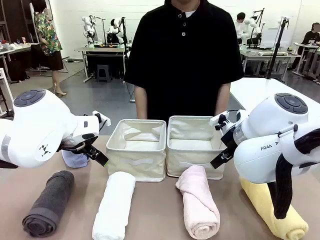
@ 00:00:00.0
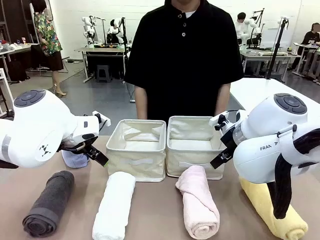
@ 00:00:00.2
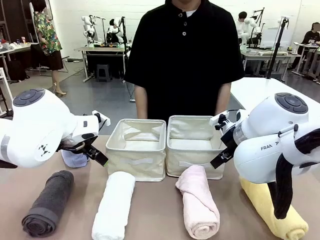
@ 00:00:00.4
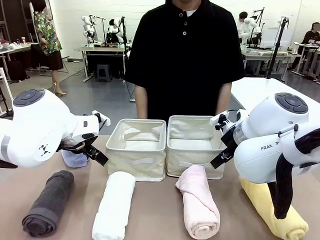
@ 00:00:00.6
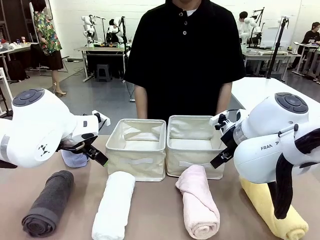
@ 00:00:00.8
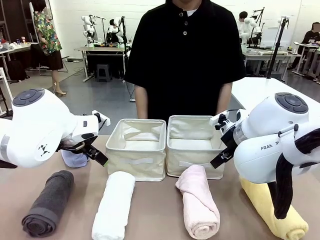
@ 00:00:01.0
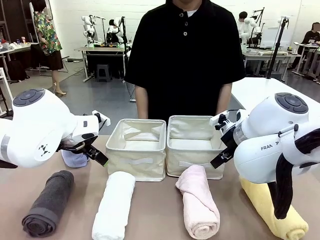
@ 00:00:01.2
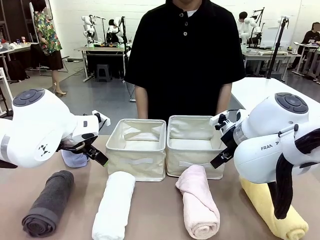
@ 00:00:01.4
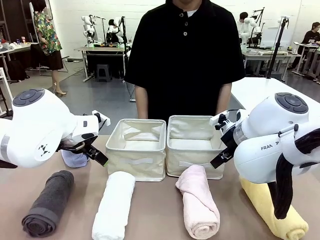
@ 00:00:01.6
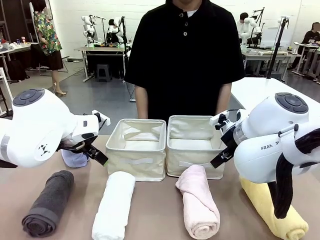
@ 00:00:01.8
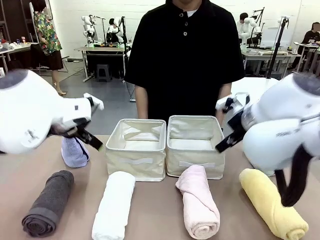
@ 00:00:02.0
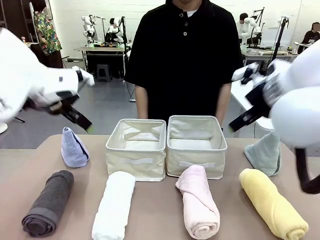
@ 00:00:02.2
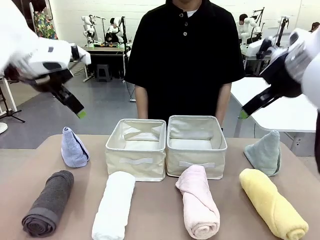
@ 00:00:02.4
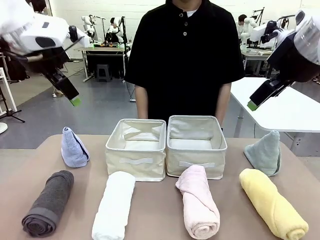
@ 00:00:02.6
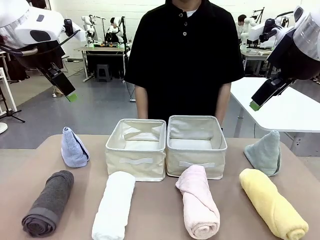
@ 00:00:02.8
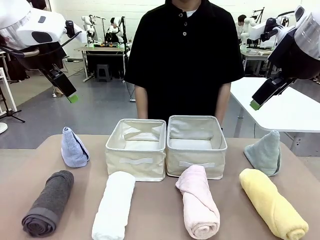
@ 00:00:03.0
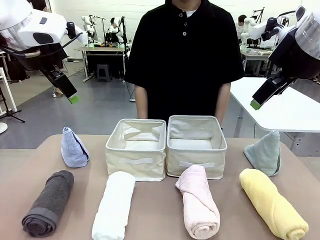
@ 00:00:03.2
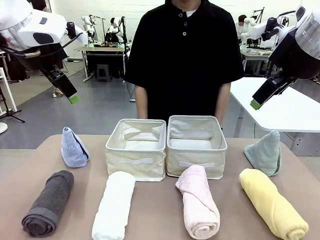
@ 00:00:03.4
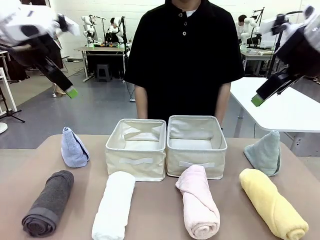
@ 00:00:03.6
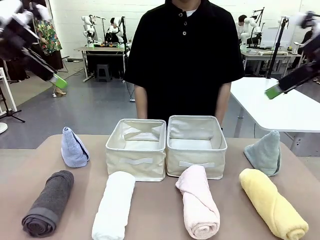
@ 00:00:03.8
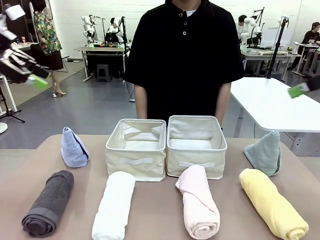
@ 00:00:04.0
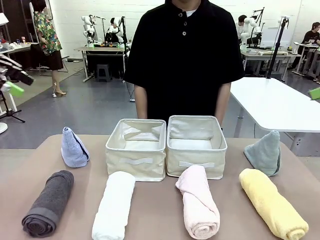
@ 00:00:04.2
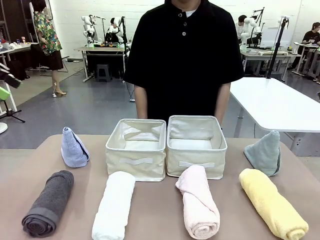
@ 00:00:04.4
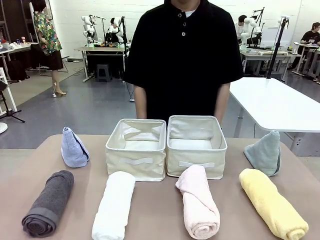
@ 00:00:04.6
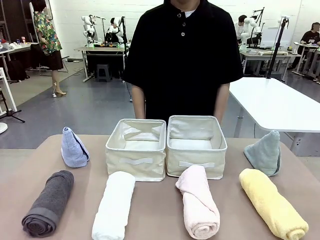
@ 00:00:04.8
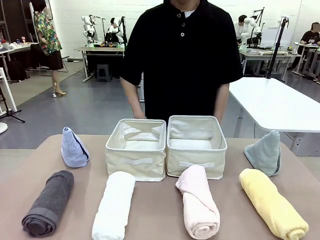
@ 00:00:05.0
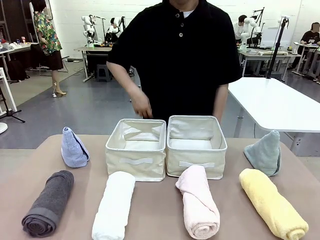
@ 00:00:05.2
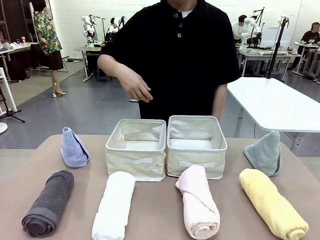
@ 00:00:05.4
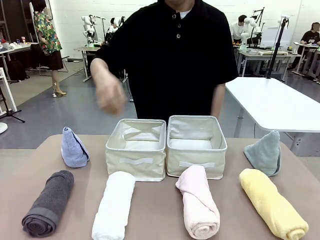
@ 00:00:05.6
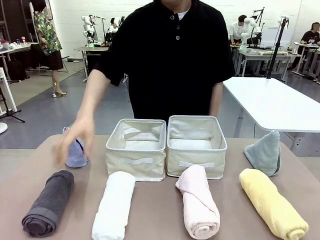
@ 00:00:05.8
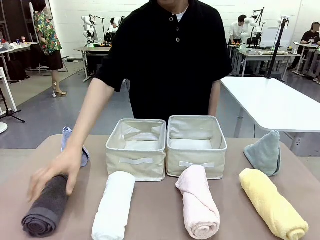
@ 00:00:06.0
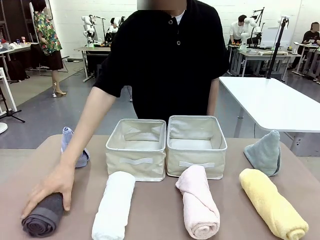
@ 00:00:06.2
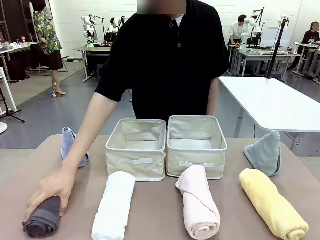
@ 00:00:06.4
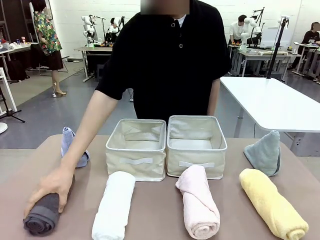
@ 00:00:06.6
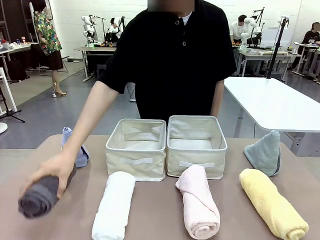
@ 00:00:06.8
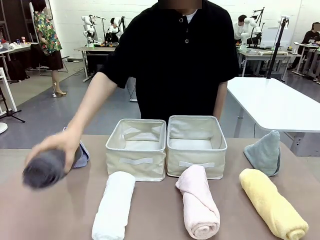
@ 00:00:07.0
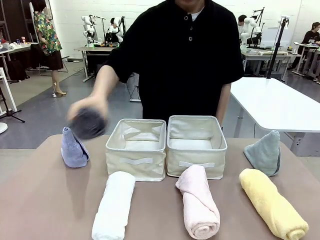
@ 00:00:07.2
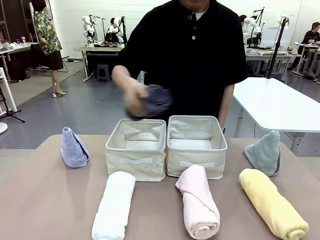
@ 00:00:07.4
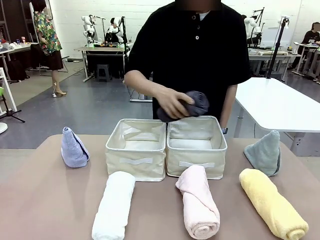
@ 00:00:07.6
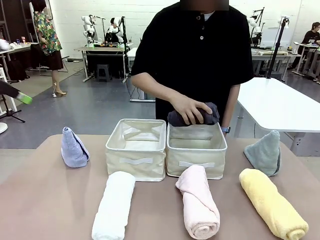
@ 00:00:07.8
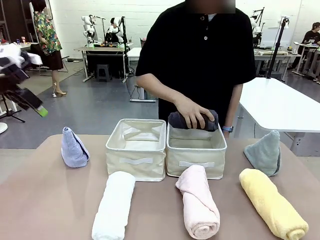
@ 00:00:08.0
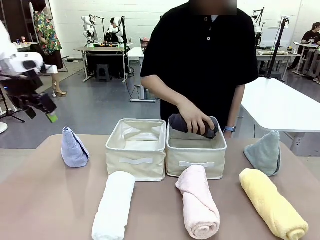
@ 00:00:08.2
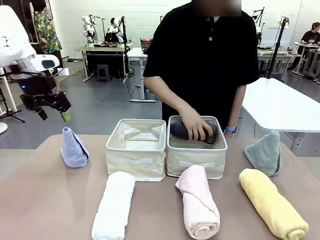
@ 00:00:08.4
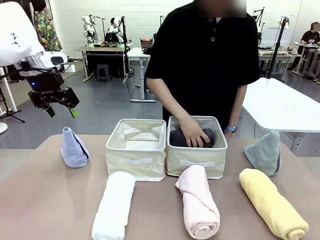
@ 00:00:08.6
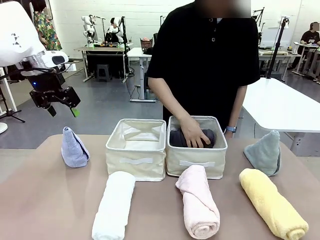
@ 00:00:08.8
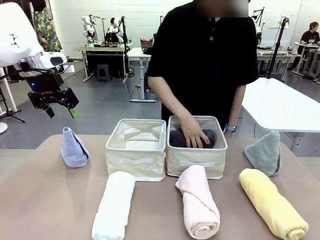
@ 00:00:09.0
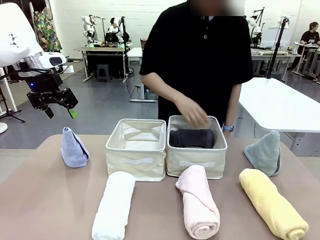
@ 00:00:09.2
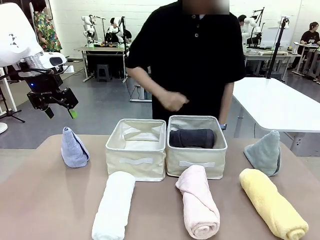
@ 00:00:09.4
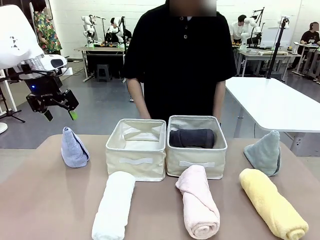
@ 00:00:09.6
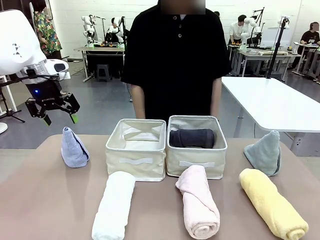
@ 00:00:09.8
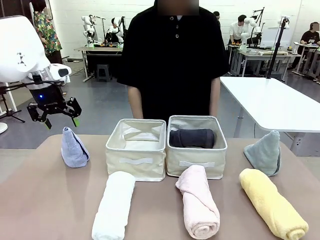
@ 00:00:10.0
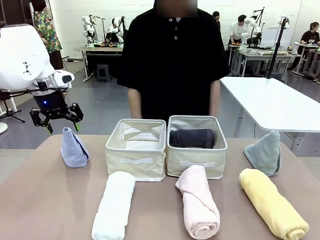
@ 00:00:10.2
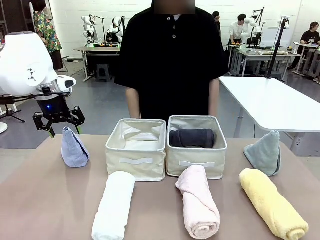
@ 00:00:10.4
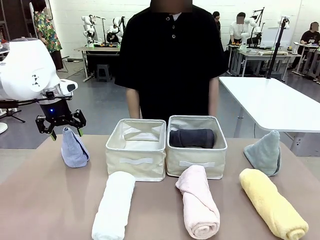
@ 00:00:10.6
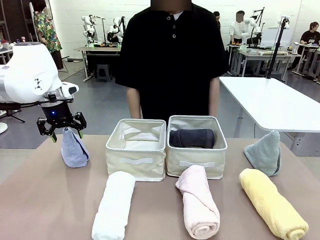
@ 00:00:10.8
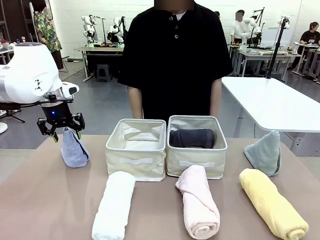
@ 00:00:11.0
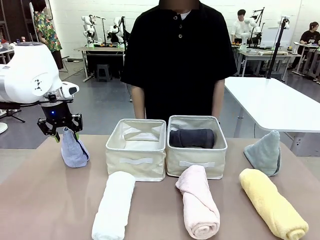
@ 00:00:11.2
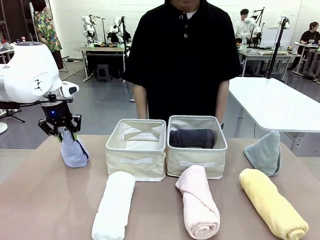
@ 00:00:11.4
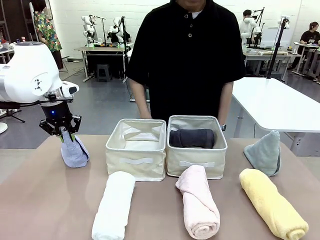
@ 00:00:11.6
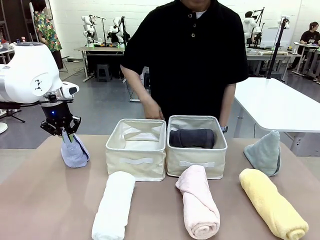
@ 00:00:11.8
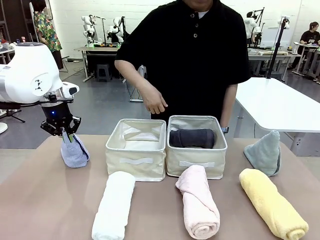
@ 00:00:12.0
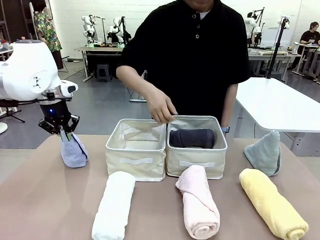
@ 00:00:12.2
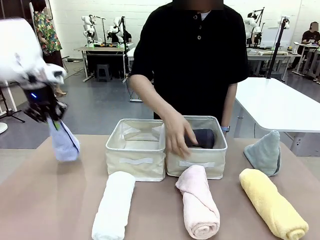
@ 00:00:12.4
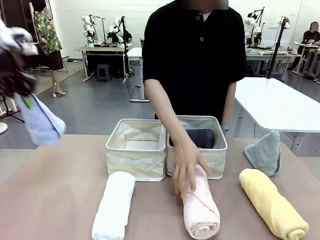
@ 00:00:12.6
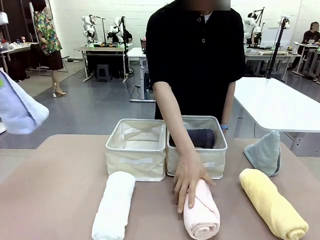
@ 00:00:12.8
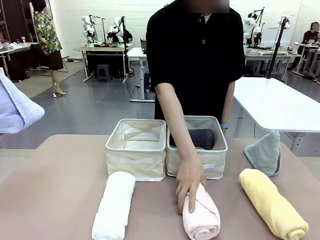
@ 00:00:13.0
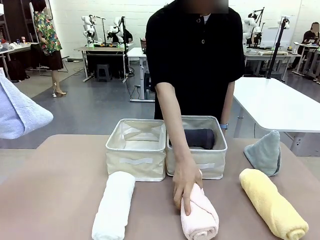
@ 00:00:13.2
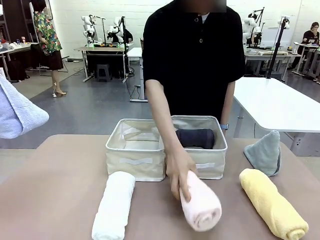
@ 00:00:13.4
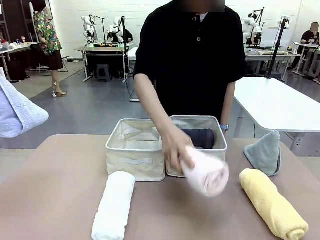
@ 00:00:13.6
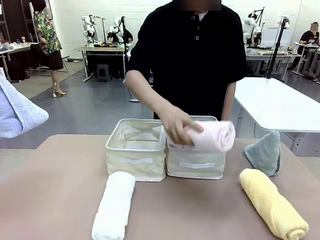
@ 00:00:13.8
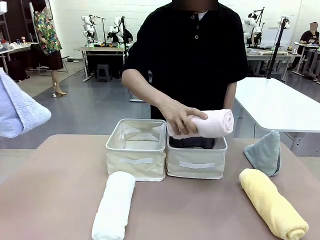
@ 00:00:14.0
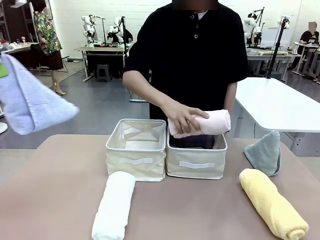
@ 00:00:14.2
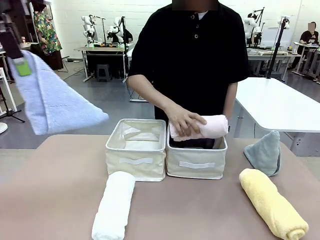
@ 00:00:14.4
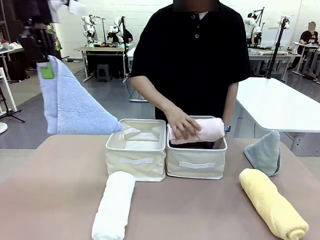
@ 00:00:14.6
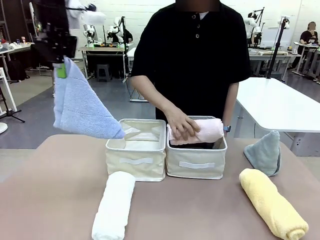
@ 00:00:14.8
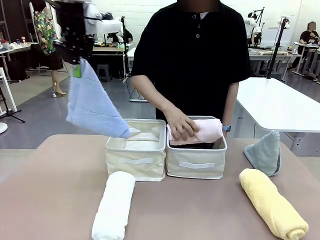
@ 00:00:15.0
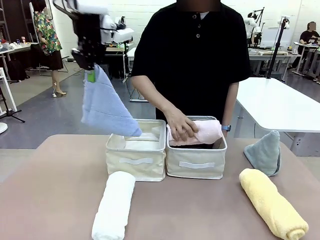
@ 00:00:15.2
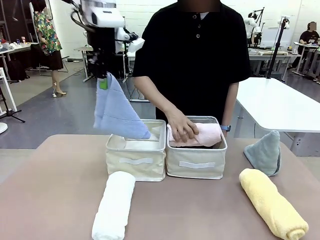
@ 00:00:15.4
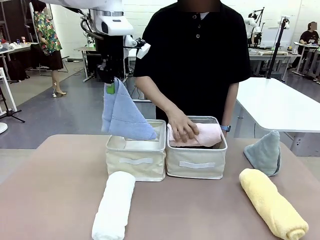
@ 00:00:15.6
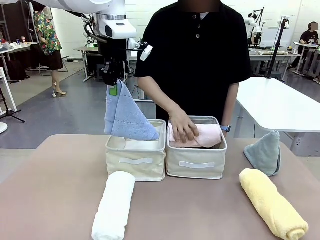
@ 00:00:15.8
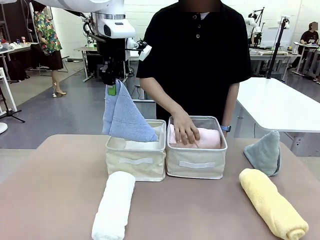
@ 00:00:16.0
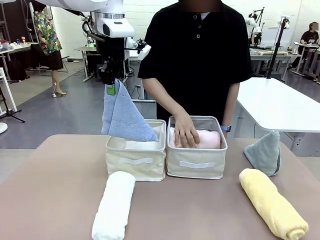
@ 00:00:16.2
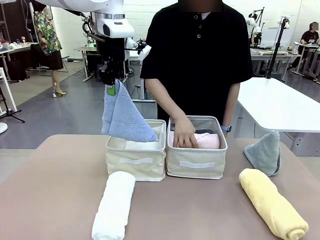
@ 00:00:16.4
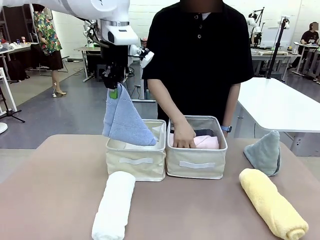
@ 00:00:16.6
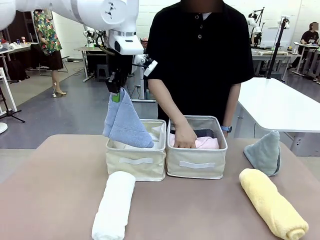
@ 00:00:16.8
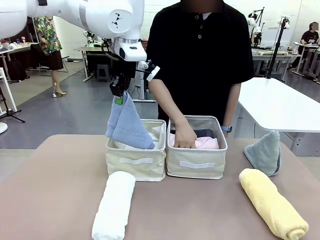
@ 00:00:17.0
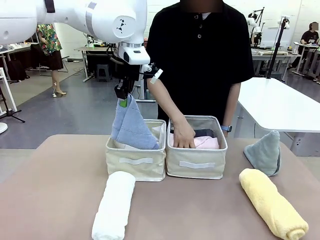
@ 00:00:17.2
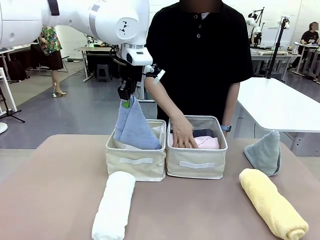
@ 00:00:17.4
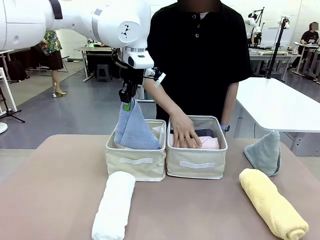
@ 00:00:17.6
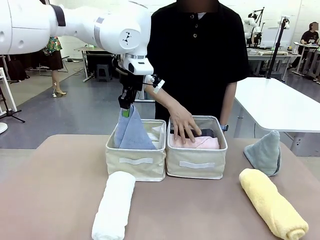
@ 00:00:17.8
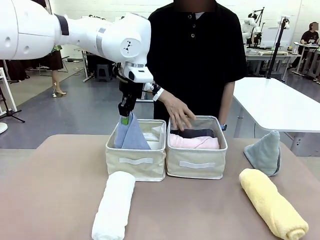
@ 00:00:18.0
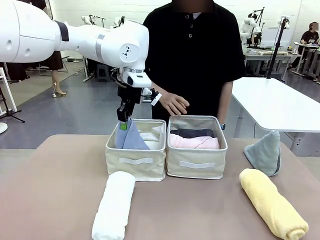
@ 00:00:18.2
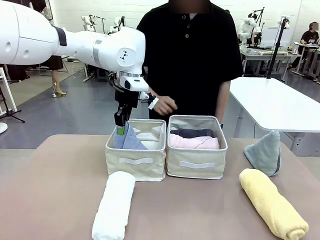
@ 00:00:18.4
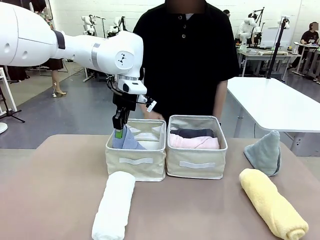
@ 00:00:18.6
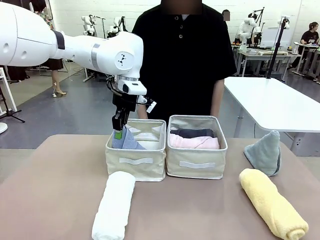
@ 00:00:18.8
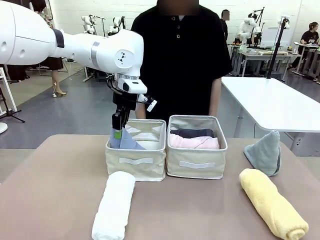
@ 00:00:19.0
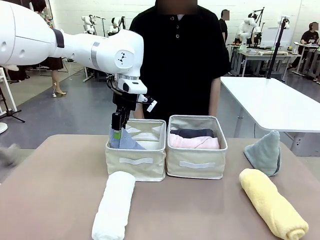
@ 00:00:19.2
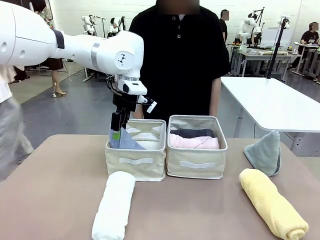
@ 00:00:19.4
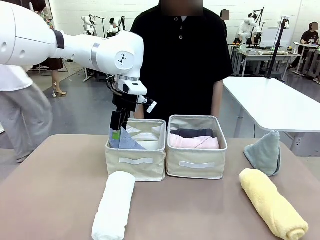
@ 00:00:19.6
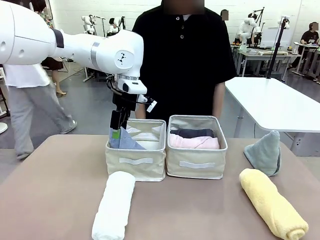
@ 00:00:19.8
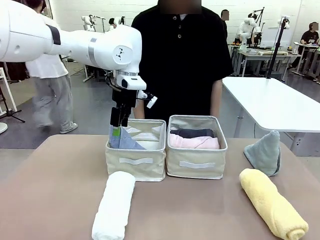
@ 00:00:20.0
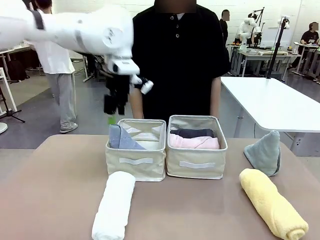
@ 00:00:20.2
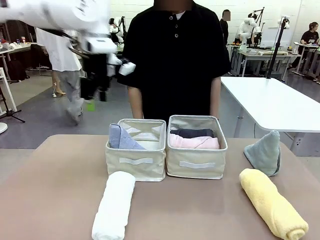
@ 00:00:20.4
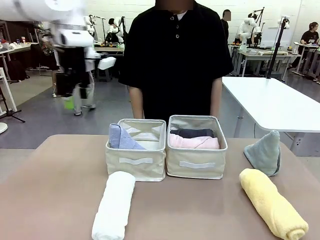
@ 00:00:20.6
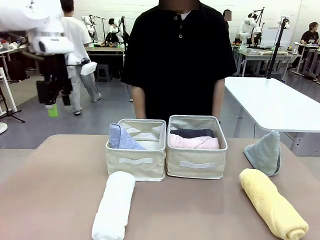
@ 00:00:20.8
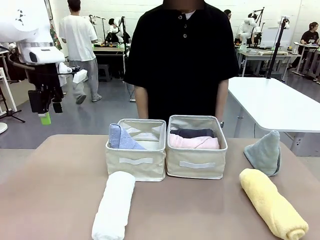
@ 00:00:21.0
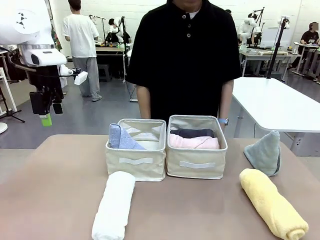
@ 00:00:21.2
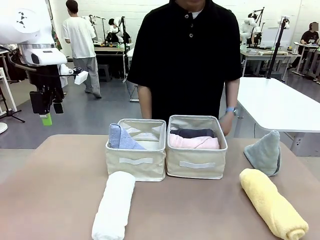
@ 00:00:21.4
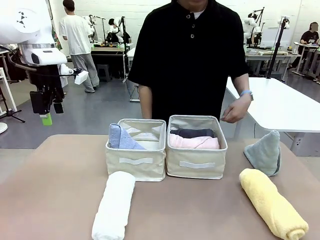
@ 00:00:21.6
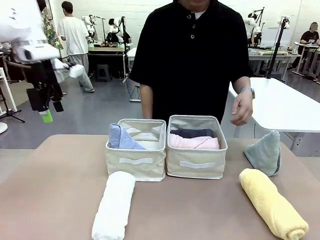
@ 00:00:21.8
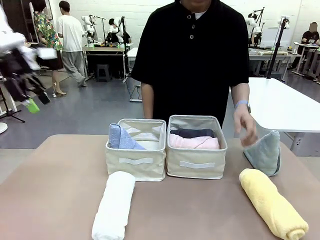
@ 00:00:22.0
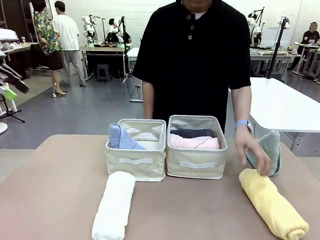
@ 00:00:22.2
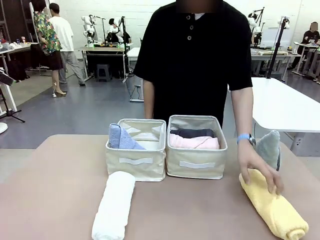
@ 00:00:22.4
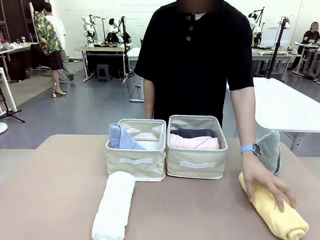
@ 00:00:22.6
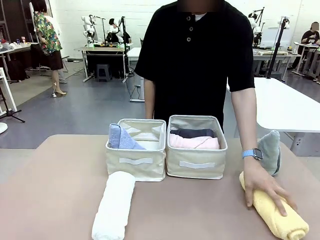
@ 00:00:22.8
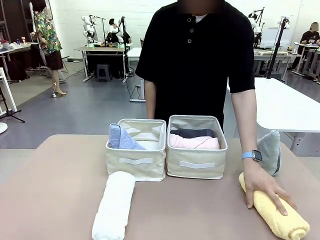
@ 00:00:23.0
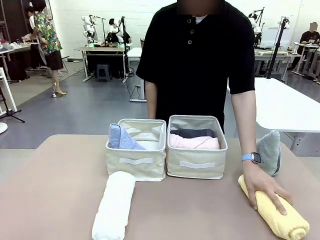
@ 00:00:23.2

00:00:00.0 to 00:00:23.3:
Task: Sort the towels based on their folding style.
Robot: Pick up one triangle-folded towel and place it in the left Fabric basket.
Person: Pick up one hotel-style rolled towel and place it in the left fabric basket.
